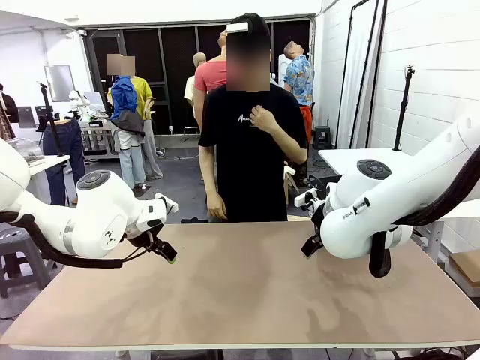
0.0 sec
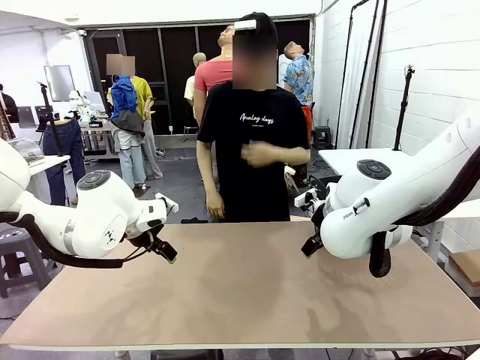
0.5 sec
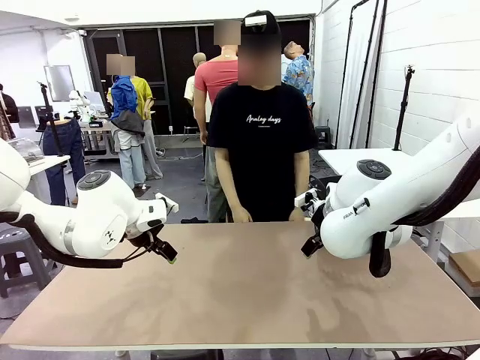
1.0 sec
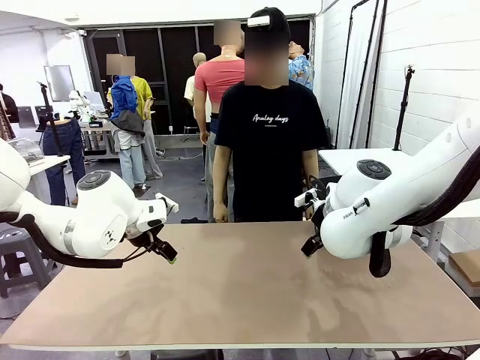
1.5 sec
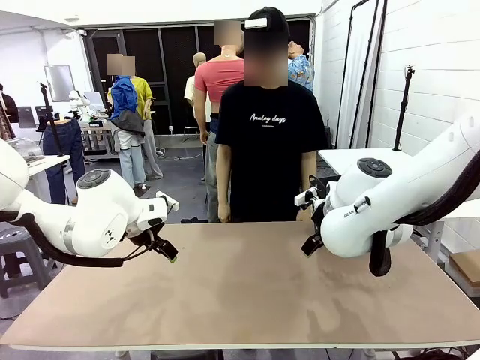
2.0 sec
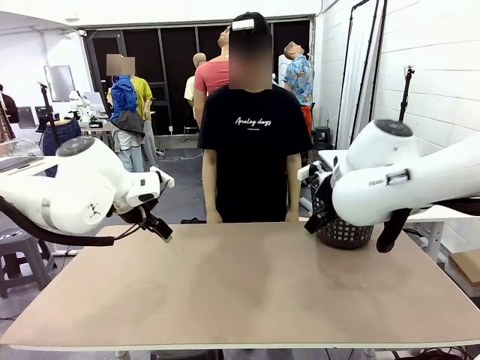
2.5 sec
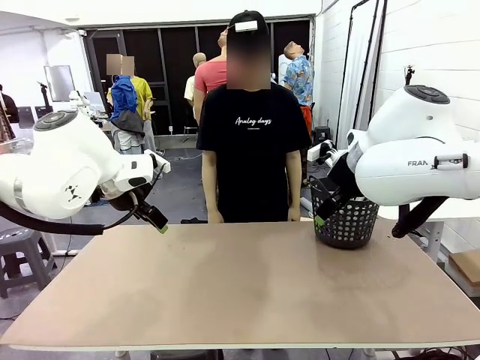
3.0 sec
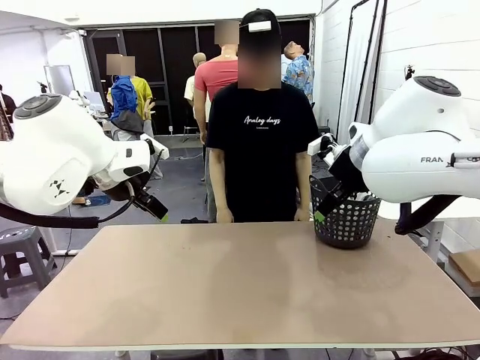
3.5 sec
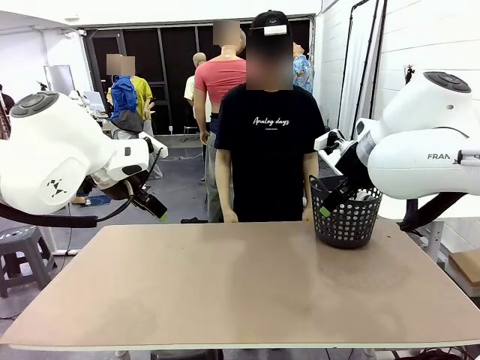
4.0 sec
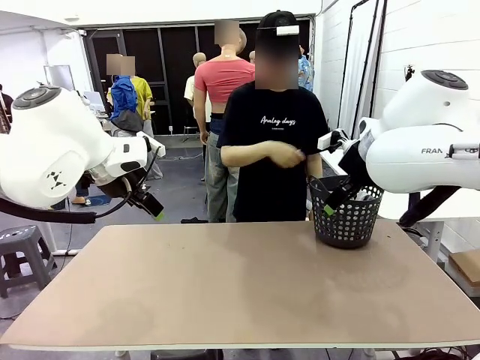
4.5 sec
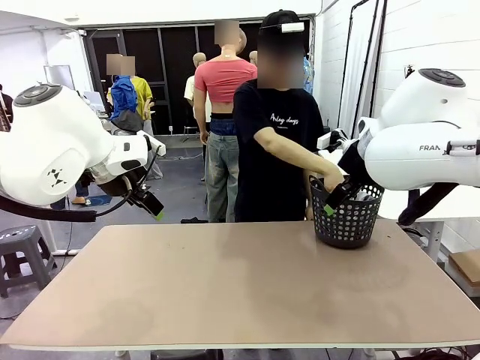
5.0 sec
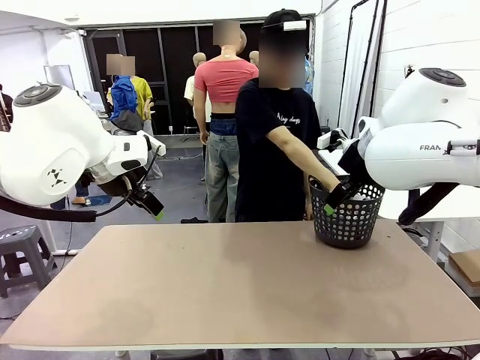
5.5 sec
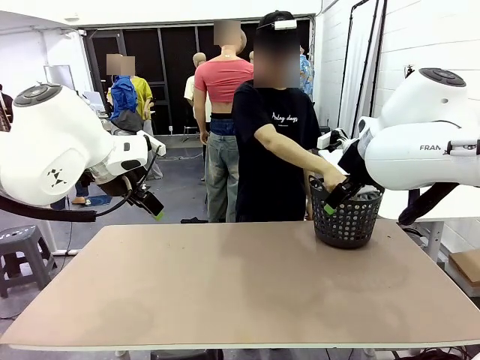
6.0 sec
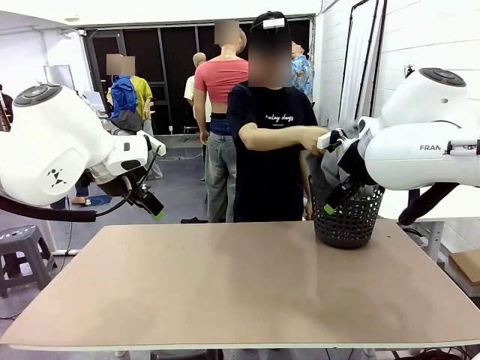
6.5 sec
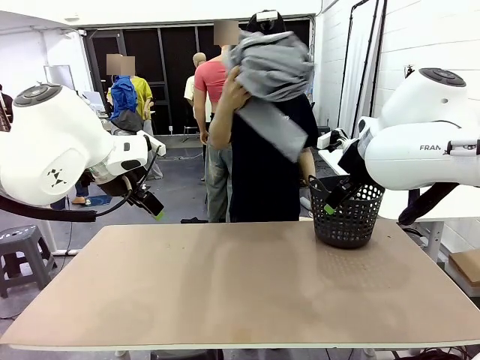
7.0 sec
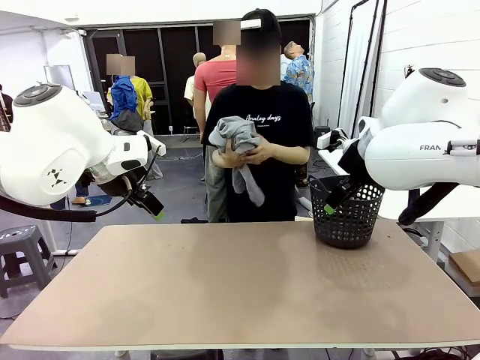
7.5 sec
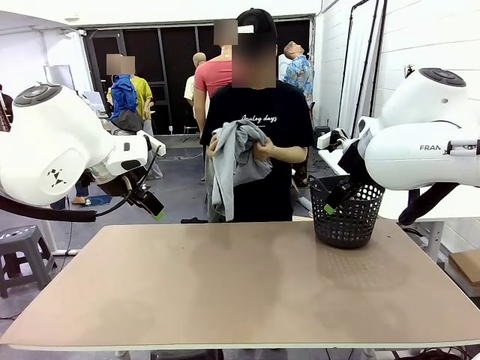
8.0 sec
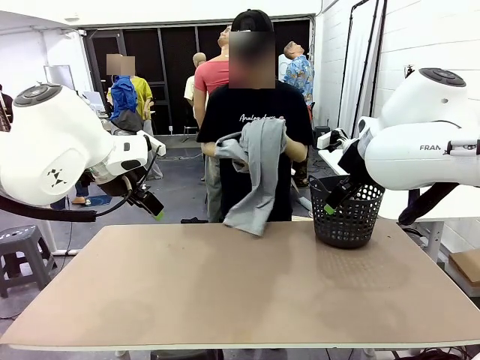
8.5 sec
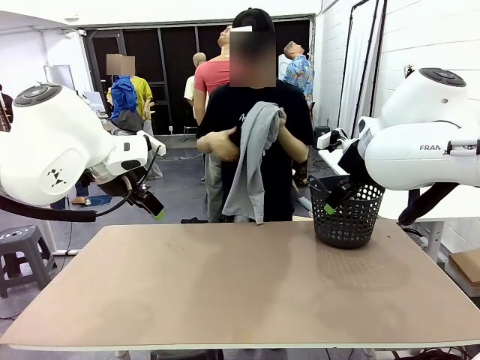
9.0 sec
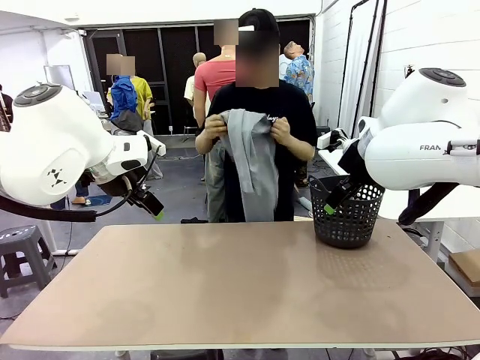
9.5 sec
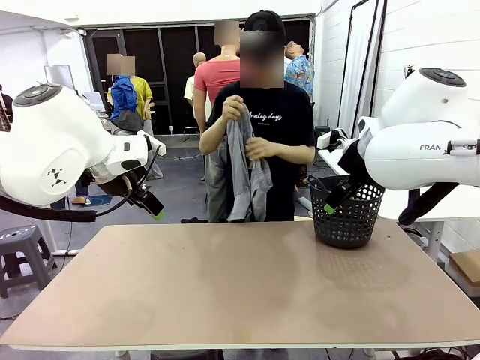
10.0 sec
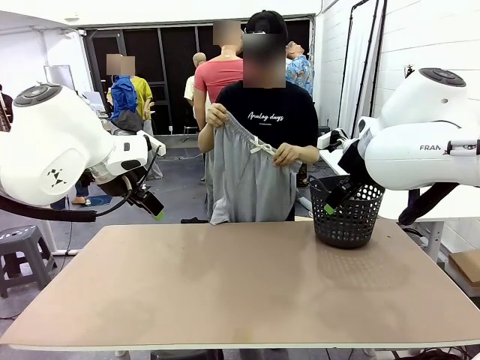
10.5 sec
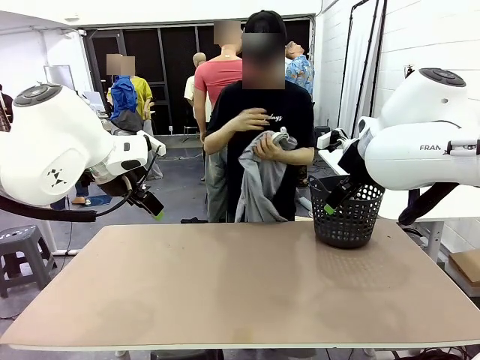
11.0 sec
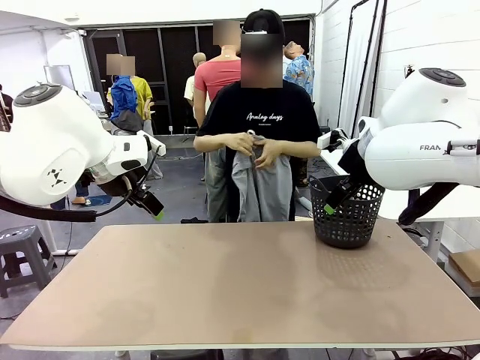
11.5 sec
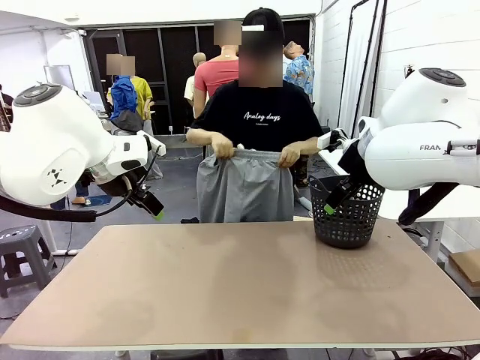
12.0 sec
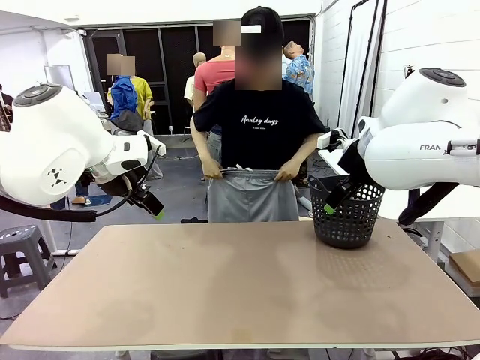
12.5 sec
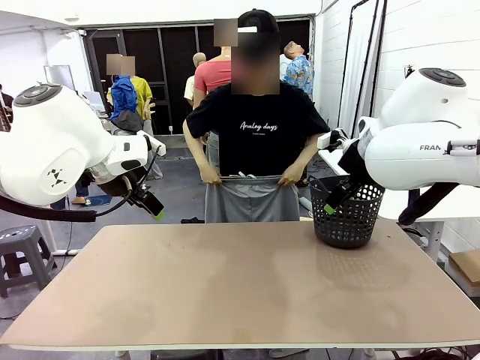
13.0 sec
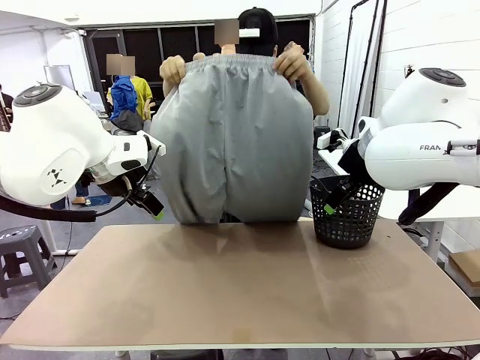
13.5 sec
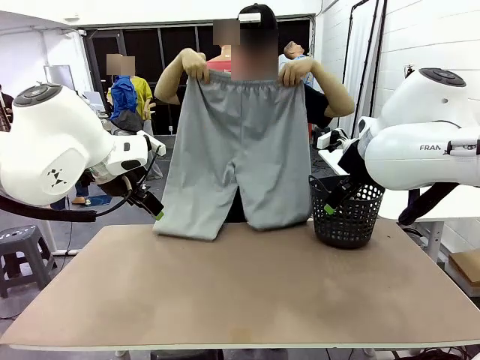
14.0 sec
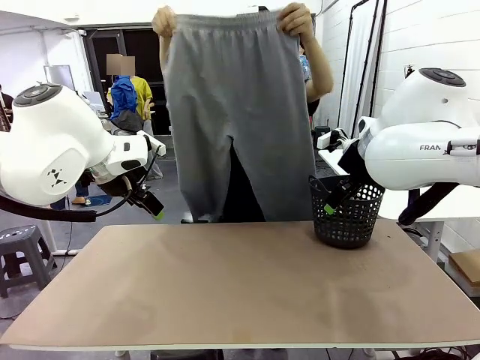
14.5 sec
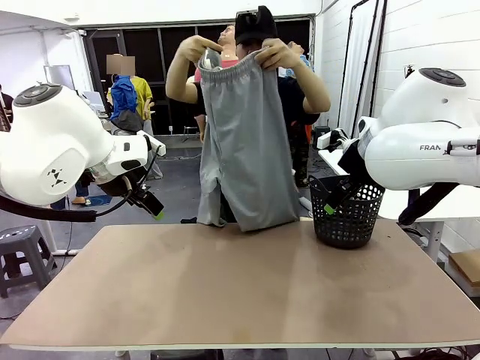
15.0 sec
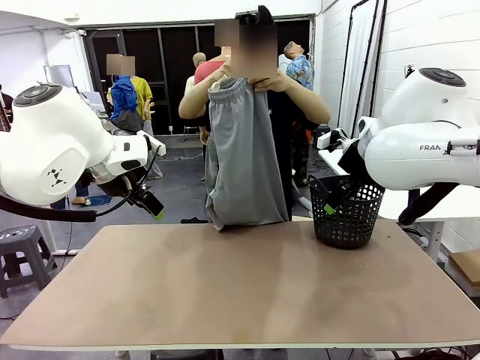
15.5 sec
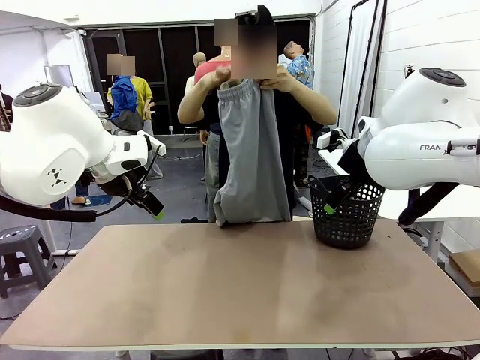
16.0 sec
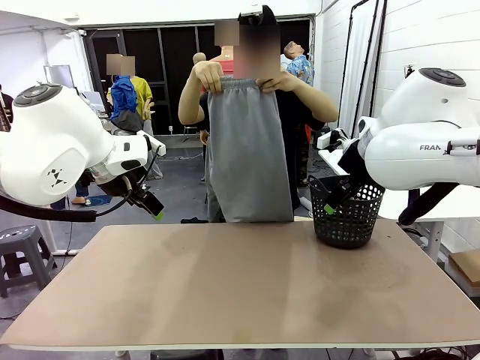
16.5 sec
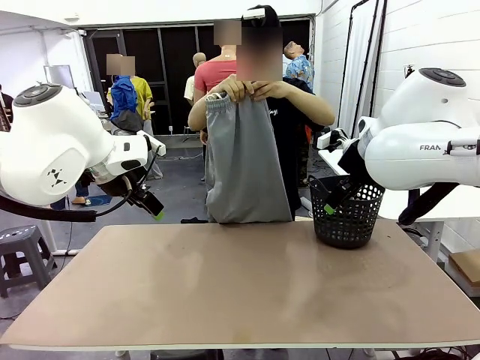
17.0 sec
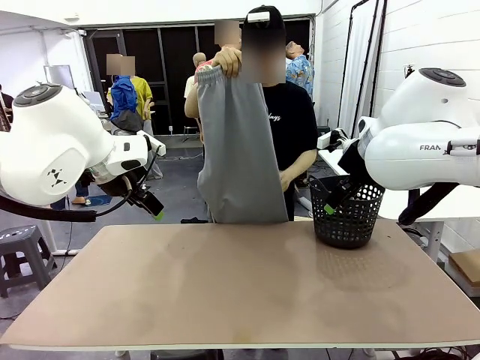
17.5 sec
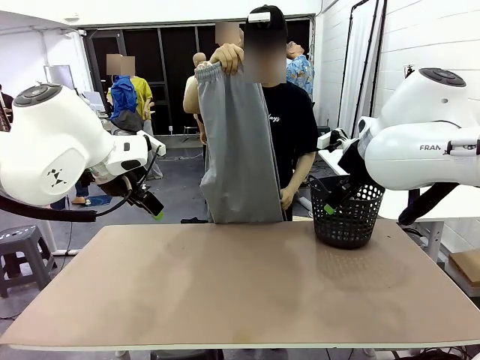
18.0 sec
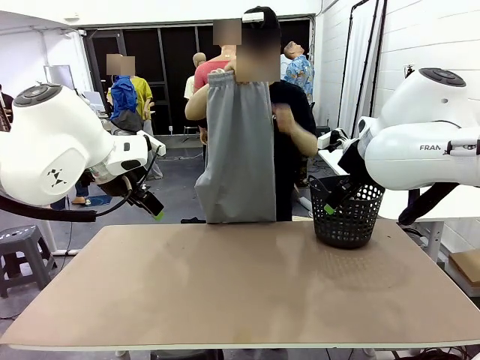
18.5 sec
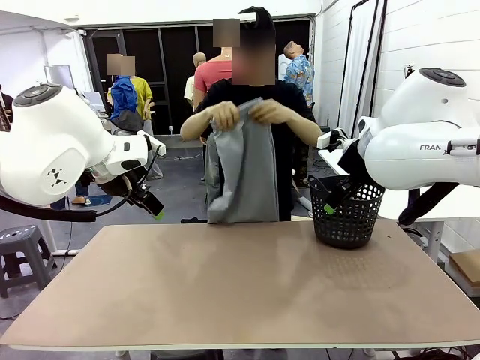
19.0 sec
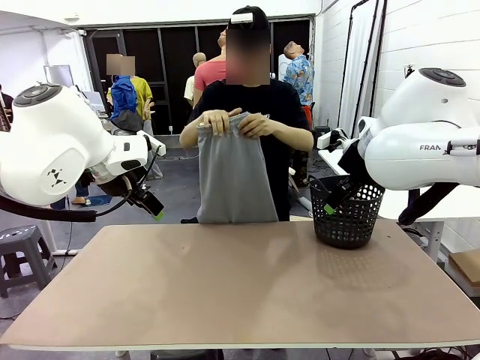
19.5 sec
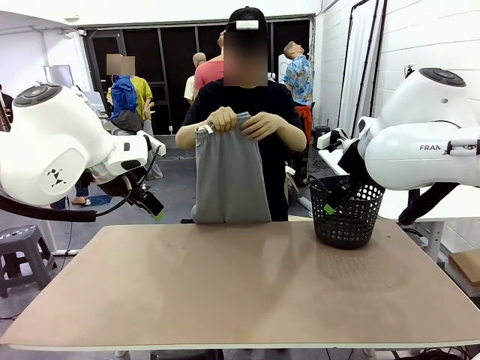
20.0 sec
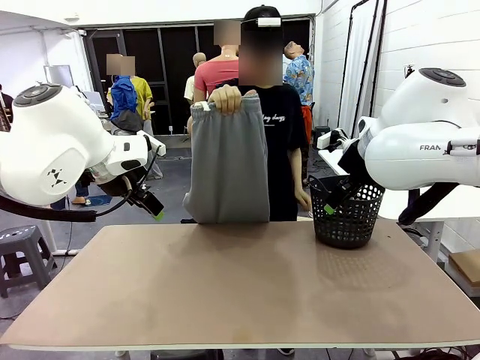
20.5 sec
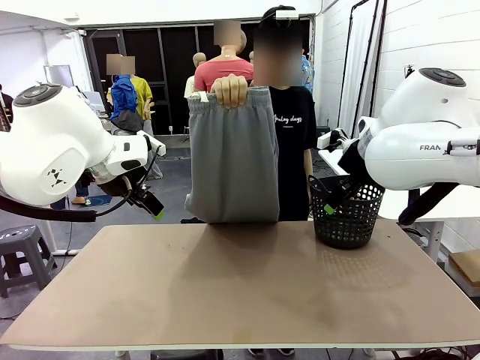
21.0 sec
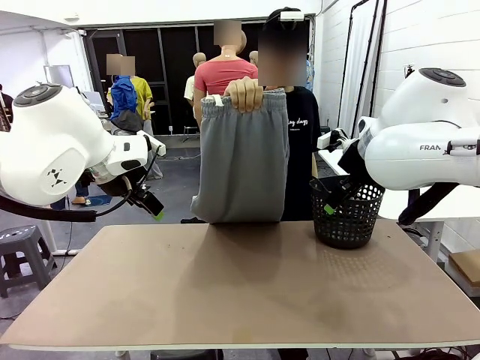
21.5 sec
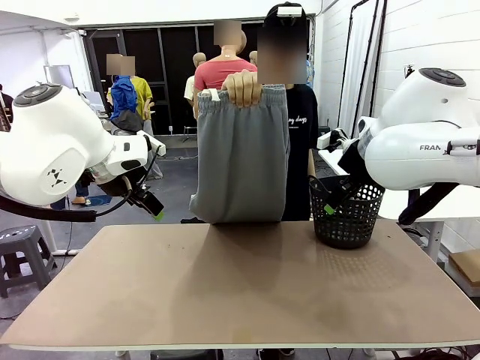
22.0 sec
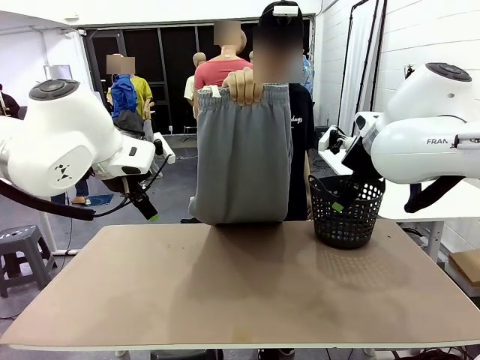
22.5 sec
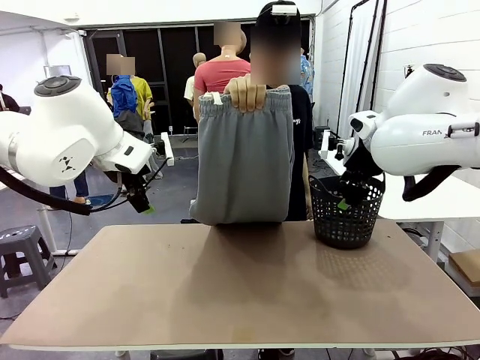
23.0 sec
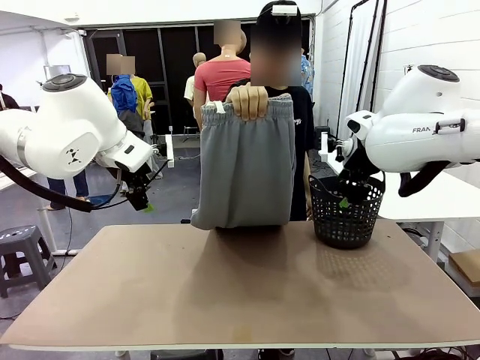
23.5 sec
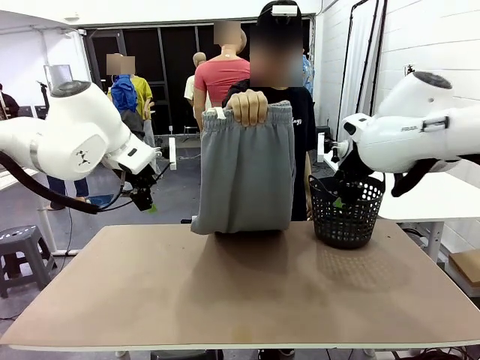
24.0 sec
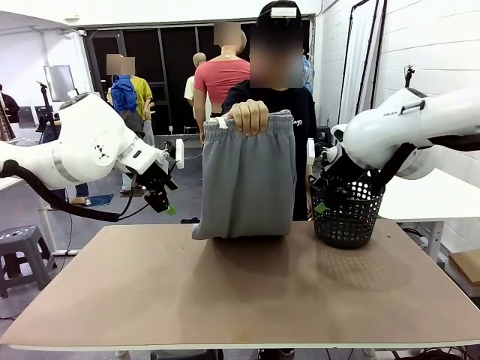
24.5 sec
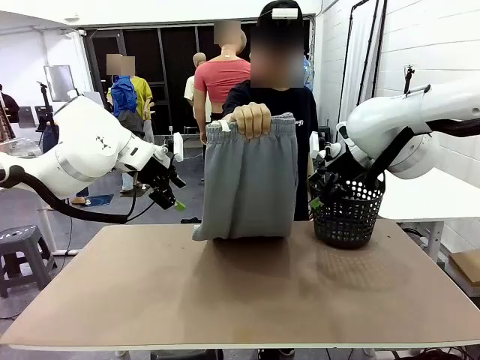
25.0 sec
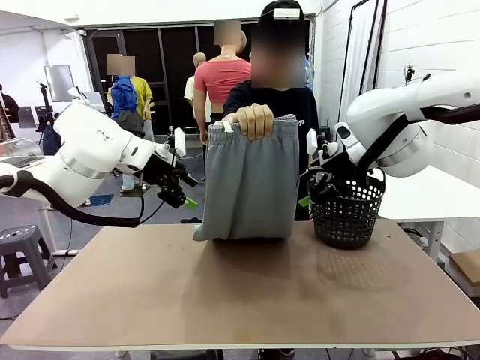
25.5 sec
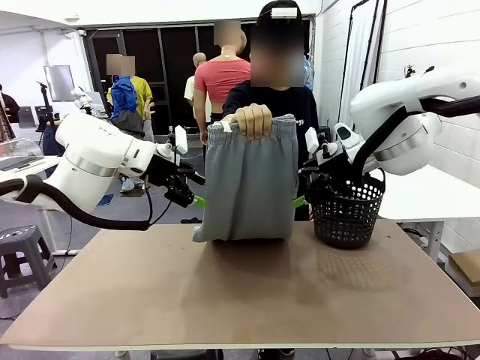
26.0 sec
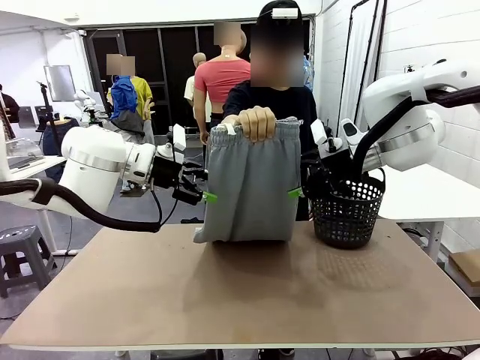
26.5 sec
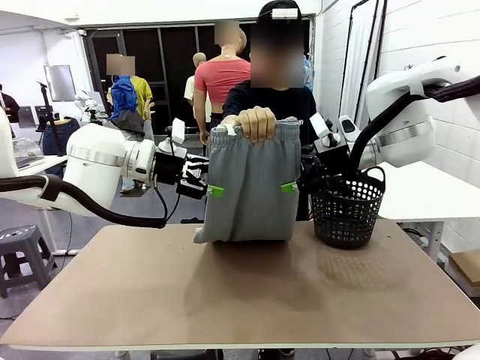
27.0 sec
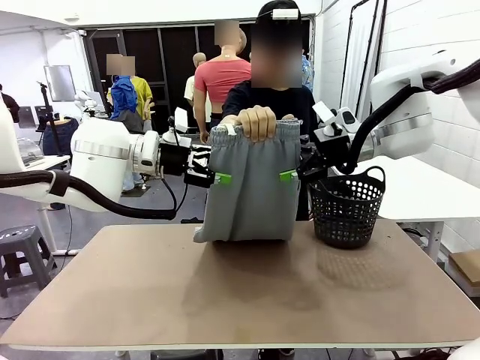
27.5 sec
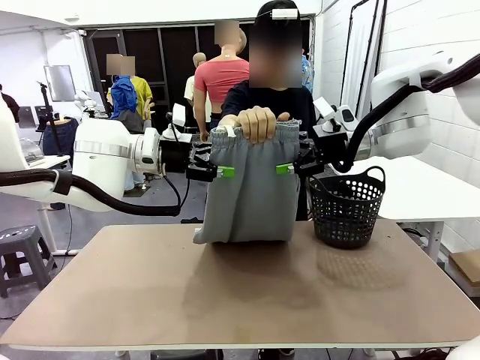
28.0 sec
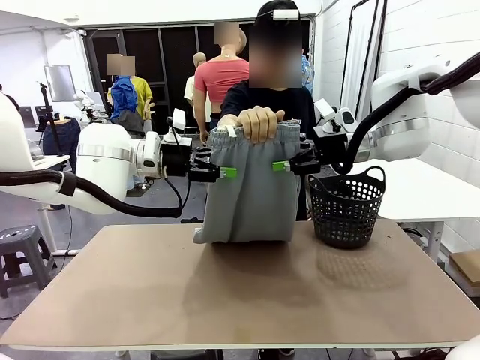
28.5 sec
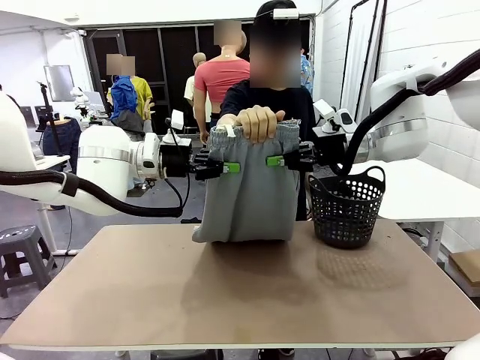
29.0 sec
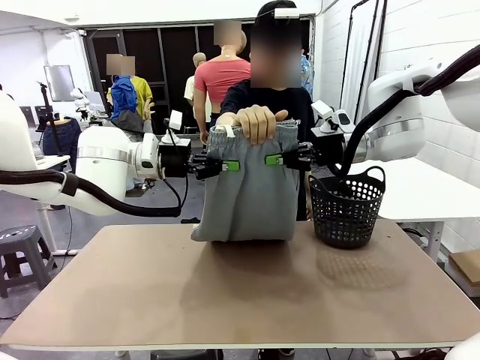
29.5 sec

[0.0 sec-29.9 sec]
Task: Fold the training pants.
Robot: Grab both ends of the Training pants handed by a person.
Person: Take the long pants out of the laundry basket, unfold them, fold the waist in half, and extend them so the robot can pick up both corners.
